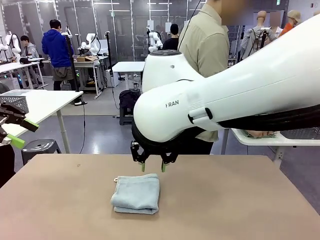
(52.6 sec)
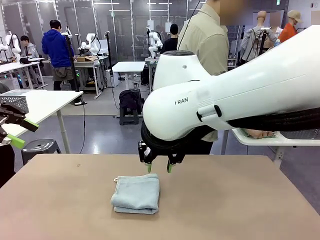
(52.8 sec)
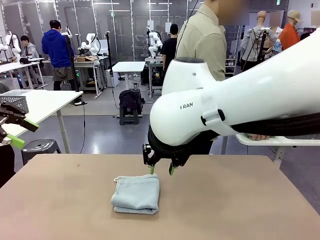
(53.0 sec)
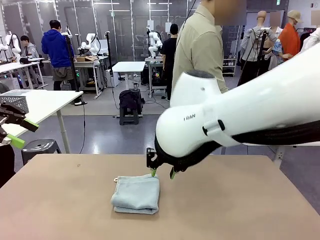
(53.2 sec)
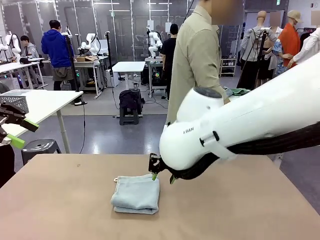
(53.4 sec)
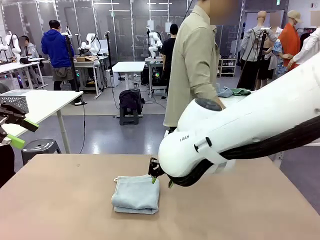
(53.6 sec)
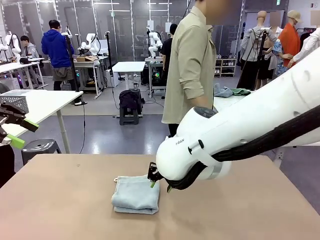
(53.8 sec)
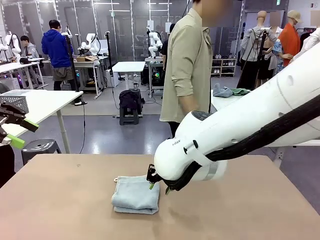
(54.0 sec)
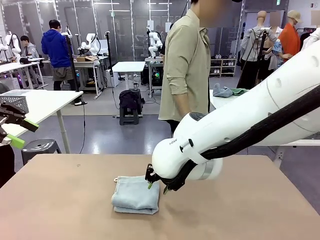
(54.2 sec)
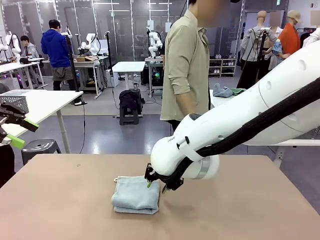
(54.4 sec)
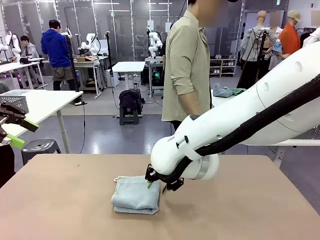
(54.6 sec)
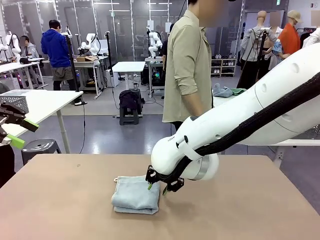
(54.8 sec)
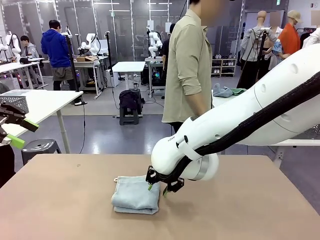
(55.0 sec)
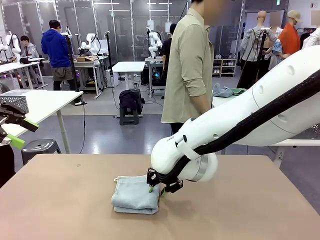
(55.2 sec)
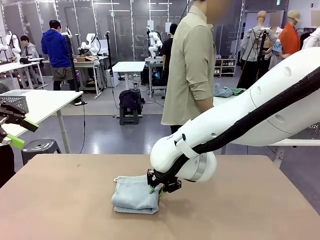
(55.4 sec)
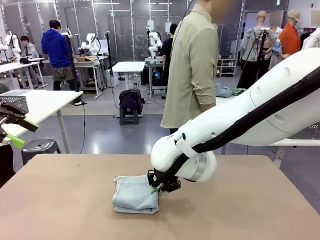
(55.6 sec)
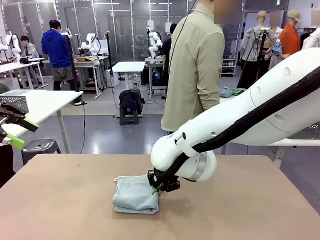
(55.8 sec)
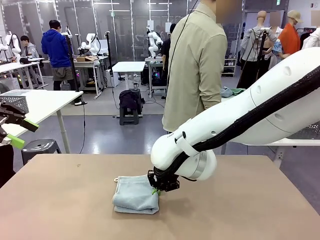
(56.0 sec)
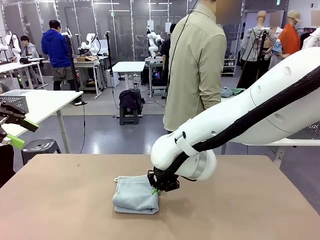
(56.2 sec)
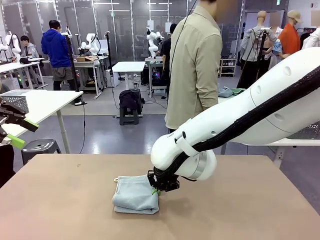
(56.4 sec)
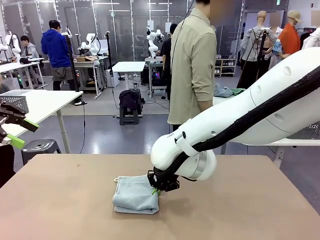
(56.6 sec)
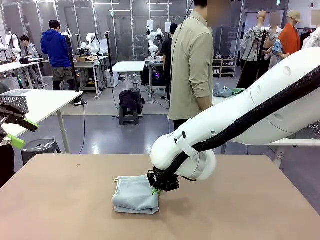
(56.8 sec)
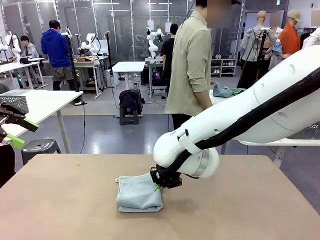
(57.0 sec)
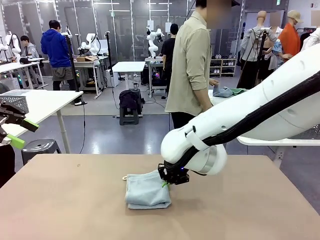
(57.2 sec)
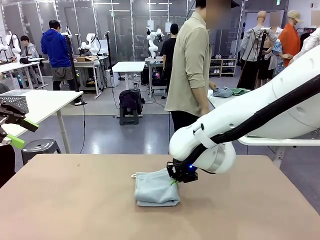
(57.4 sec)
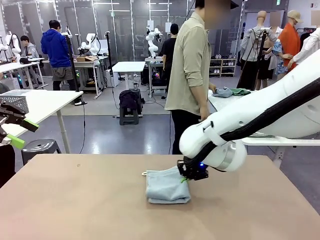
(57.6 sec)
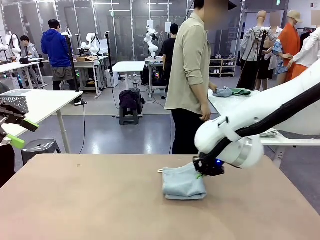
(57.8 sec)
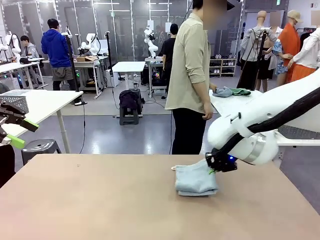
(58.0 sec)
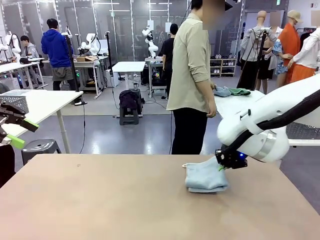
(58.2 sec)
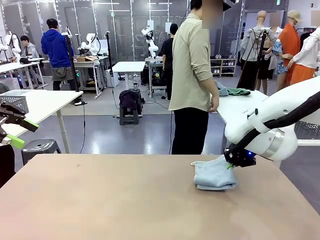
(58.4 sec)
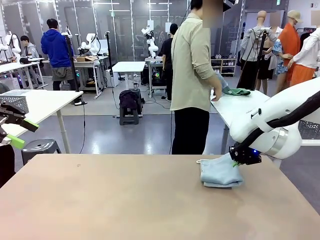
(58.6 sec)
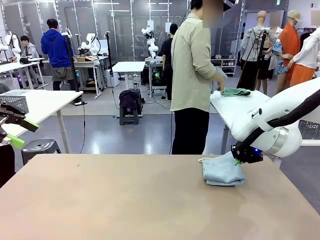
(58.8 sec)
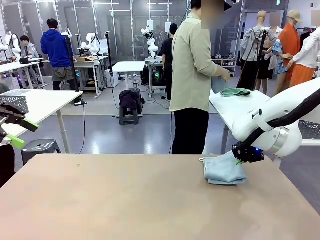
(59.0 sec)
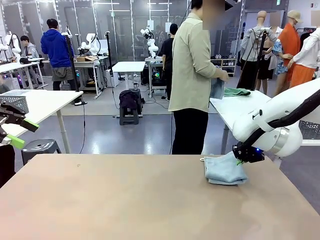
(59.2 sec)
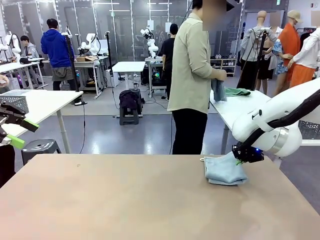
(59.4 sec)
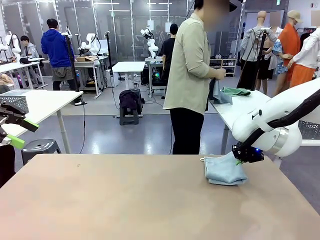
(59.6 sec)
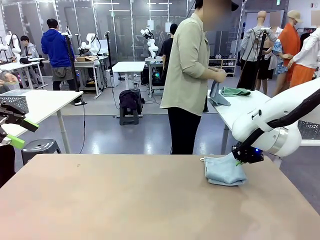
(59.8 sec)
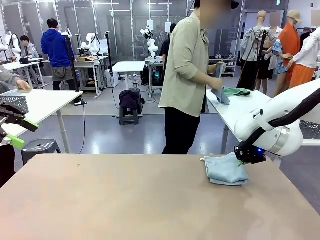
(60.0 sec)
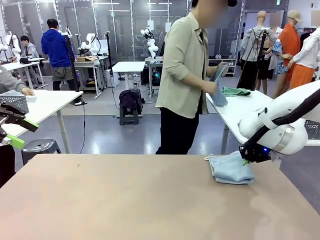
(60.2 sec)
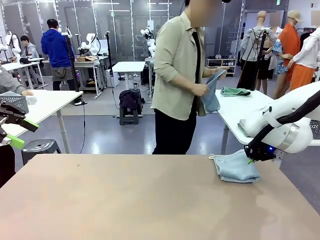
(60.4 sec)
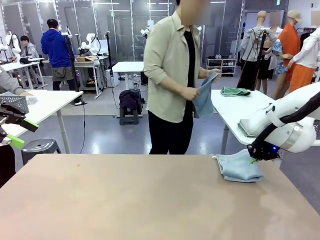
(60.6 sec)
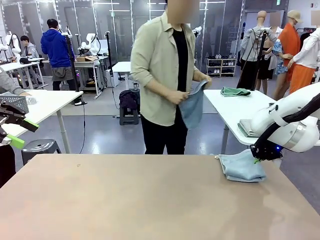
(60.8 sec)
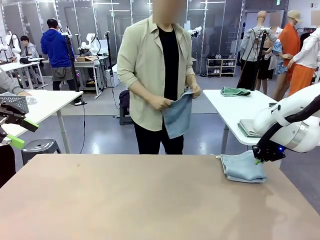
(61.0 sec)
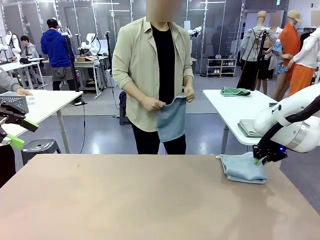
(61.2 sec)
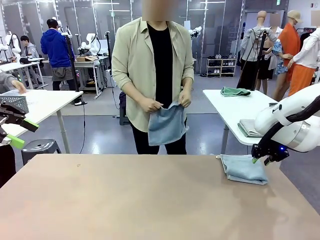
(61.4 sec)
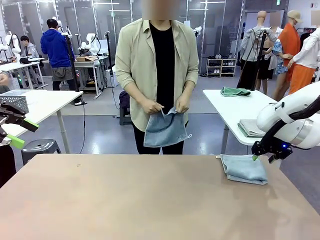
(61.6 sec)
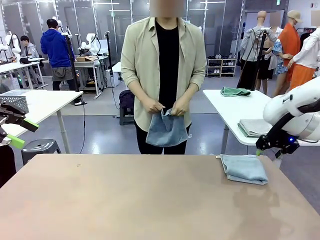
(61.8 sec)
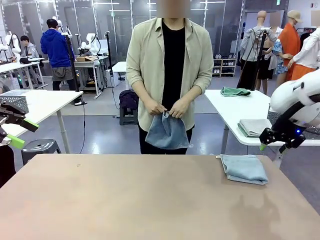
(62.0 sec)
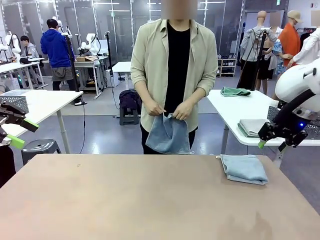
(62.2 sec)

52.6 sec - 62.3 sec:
Task: Fold the towels and place them in the basket.
Robot: Place the folded Towel with hook on the right side of the table.
Person: Pick up one towel from the left side of the human table and spread it out at the center of the robot table.

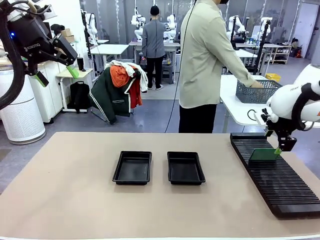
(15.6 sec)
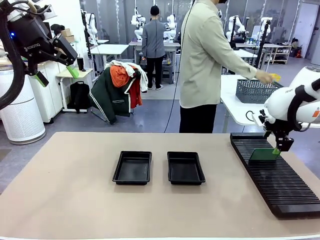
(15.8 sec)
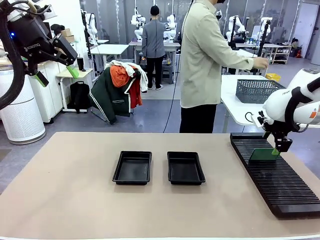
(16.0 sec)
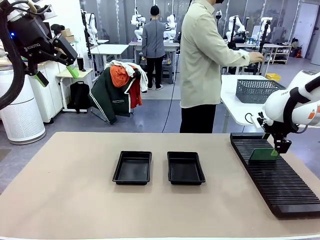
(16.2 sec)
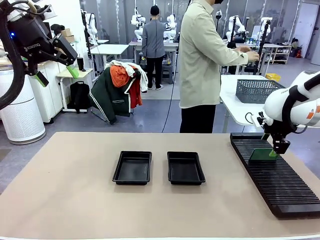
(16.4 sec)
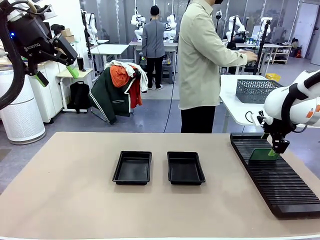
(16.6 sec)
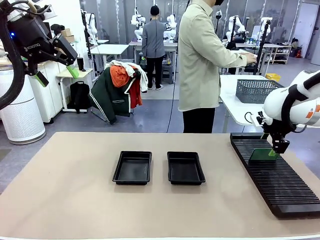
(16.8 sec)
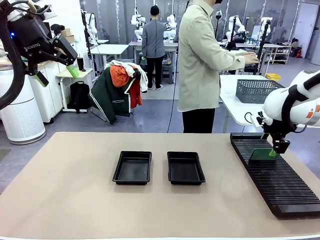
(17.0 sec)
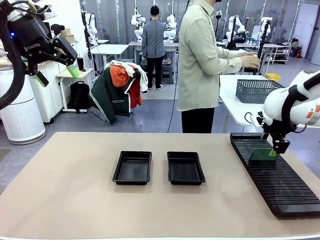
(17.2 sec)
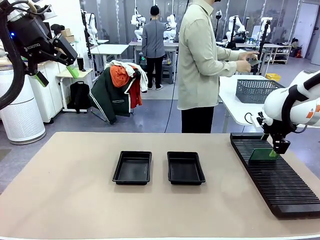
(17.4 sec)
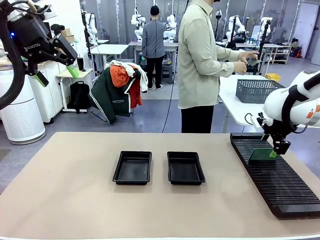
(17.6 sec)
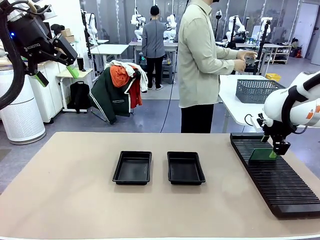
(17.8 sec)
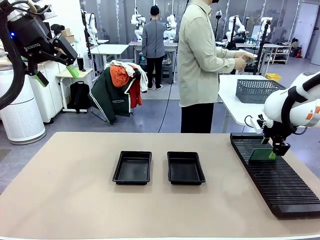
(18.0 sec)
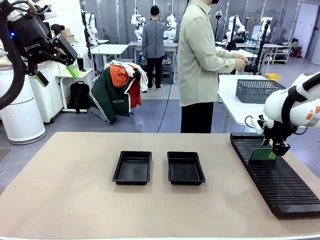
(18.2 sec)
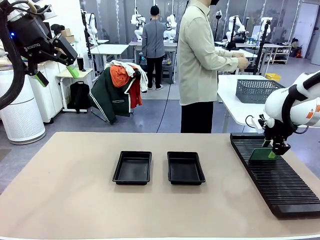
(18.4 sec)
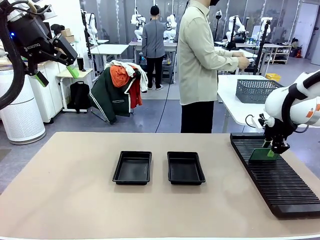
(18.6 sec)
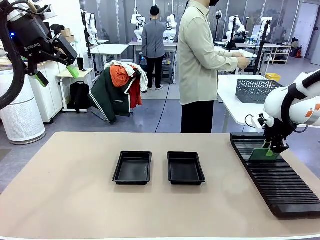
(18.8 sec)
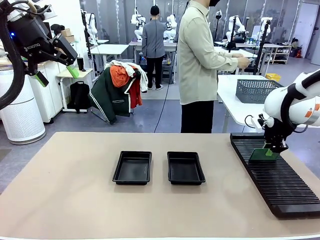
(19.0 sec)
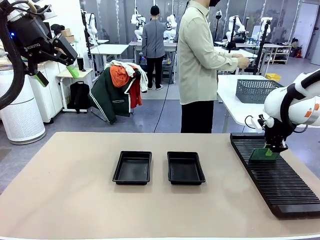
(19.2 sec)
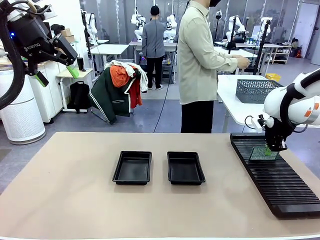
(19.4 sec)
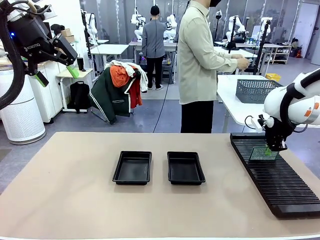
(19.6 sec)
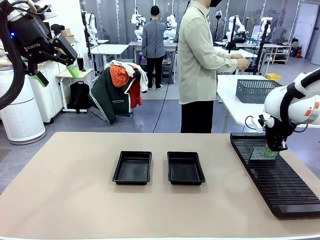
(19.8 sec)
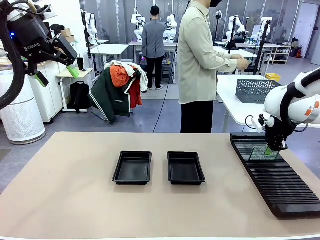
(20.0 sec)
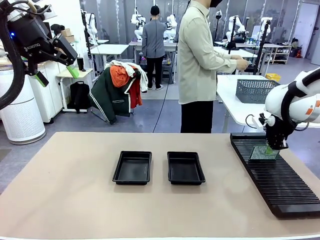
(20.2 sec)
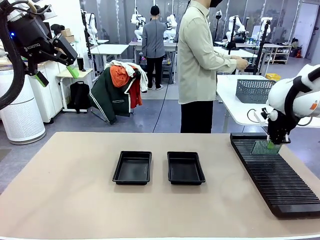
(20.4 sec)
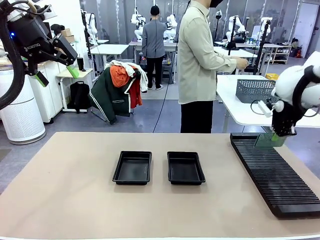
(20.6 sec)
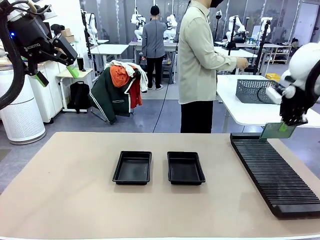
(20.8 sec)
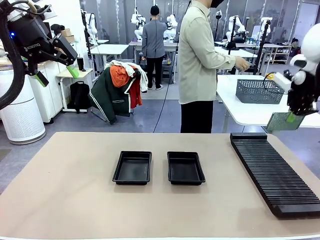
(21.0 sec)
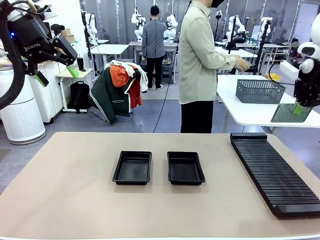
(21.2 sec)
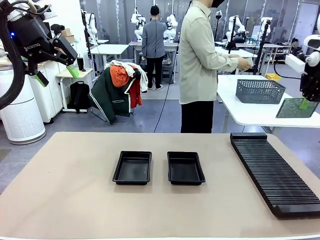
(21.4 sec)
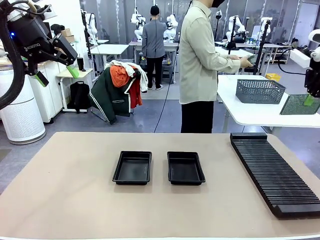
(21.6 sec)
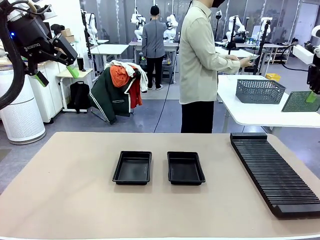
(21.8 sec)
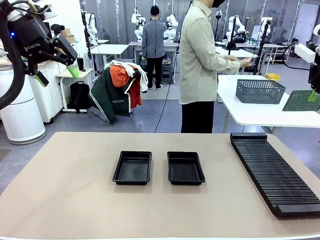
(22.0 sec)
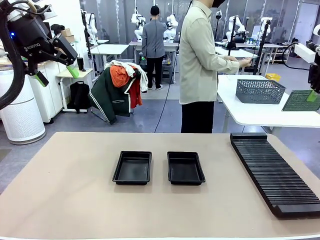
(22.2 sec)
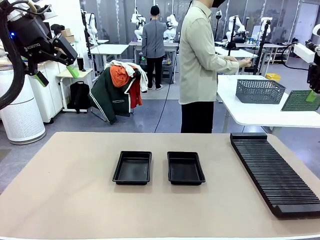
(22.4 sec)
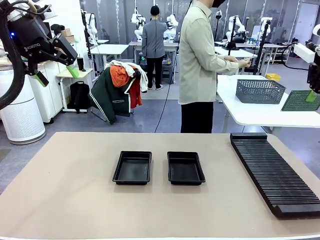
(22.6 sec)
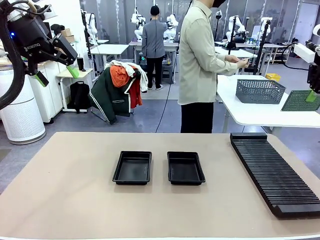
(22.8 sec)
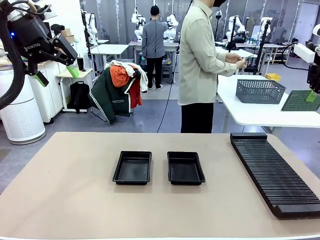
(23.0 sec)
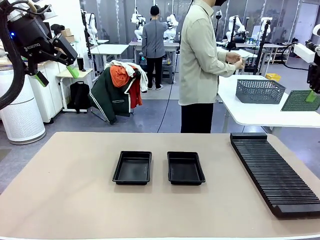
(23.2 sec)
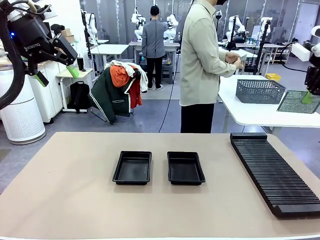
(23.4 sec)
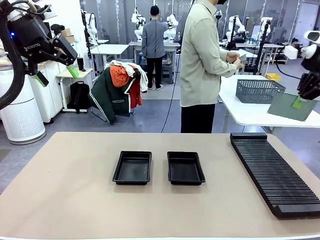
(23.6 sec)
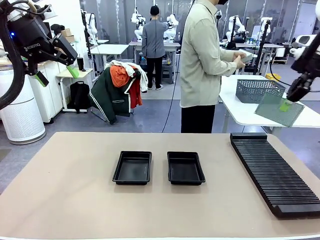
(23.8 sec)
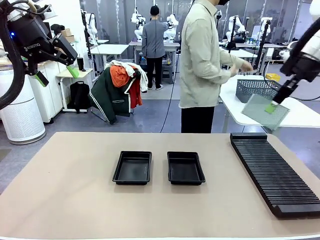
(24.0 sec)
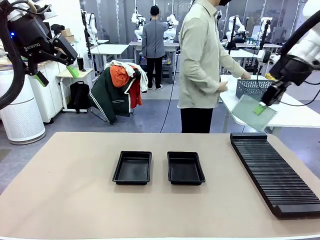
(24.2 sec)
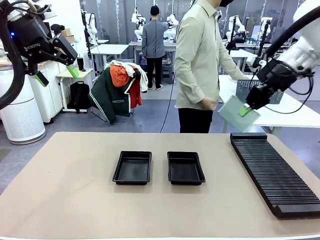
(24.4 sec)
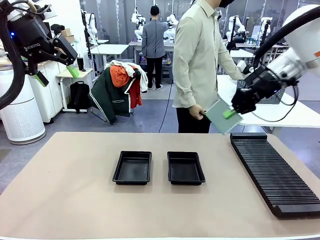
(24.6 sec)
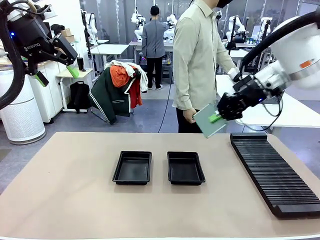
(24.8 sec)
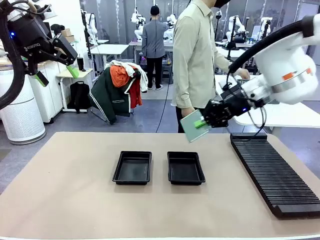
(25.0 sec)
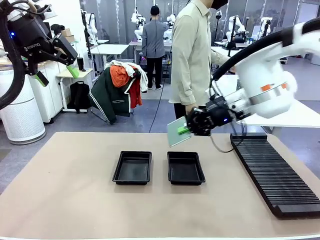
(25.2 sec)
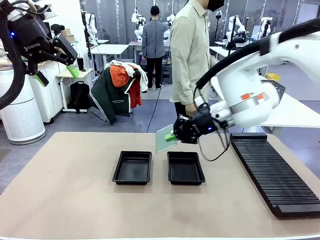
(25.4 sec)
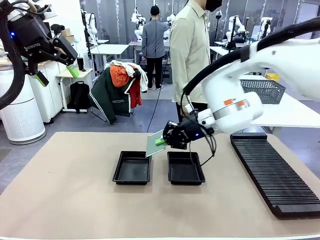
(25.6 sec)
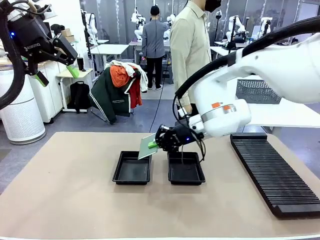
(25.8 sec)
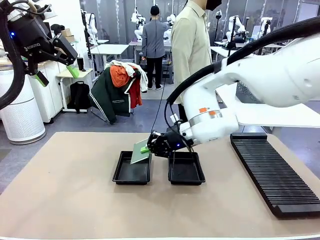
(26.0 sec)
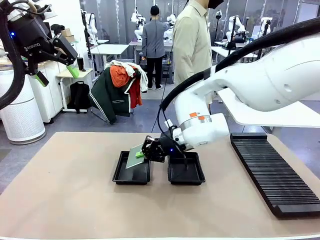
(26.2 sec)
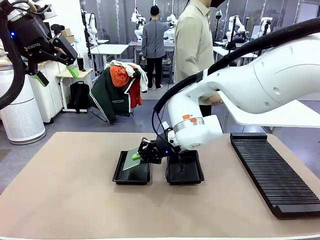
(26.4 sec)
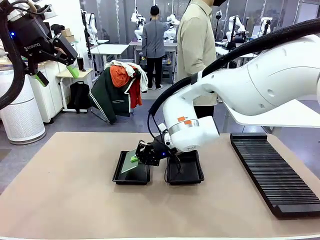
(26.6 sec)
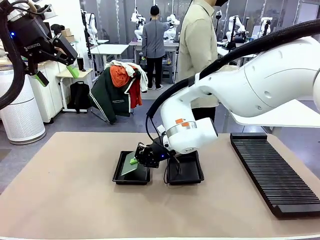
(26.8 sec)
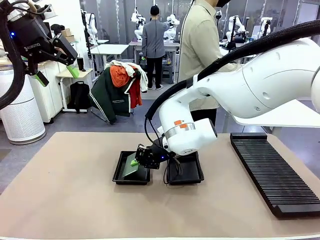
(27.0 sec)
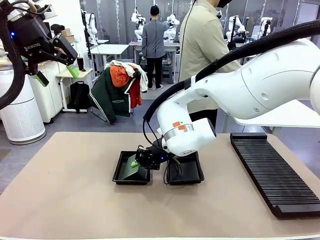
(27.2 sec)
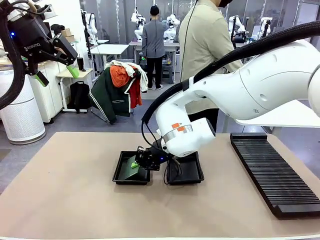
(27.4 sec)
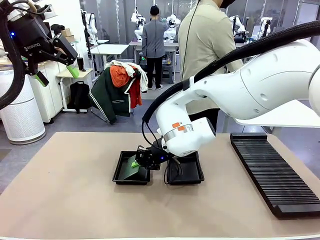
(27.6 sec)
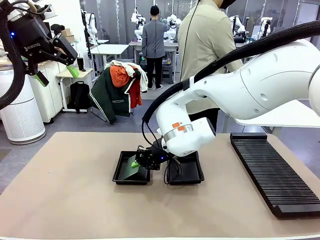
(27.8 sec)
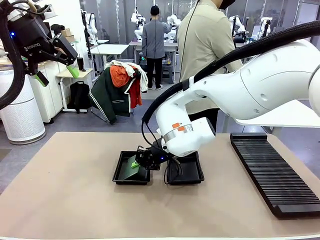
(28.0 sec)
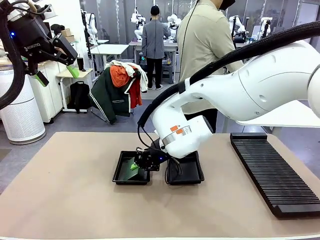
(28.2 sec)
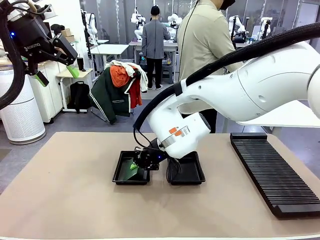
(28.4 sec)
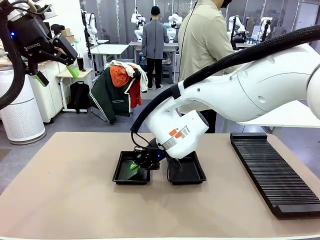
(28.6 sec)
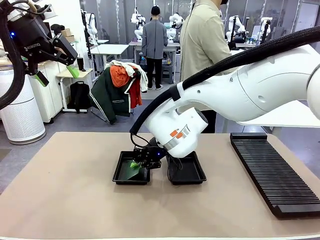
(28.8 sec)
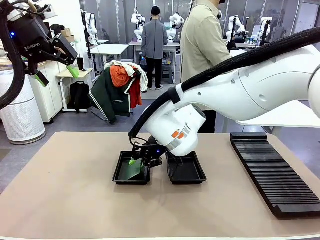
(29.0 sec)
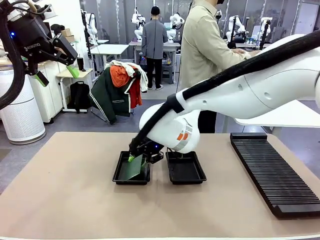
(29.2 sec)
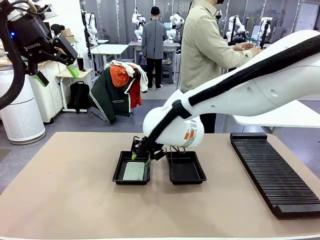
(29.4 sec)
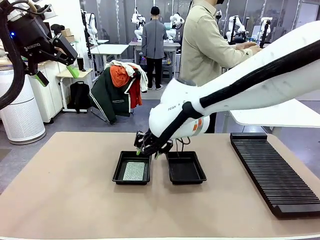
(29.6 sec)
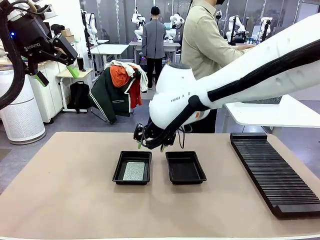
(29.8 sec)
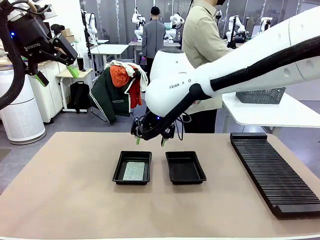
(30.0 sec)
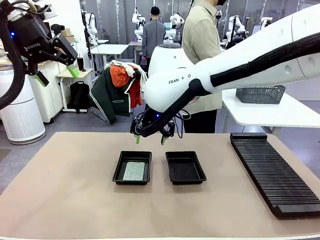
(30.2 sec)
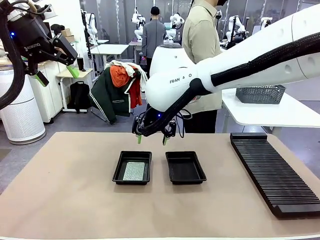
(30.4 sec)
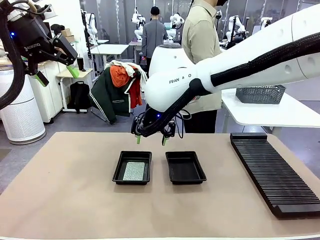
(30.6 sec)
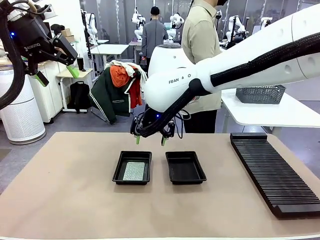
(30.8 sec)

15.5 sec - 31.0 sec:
Task: Inspect and transfer BCBs to ESD trays.
Robot: Pick up the Blank PCB from the PCB Rack and place it in the left ESD tray.
